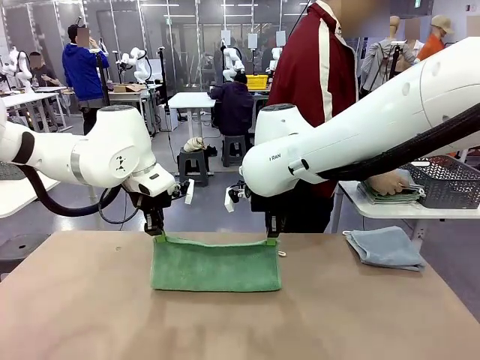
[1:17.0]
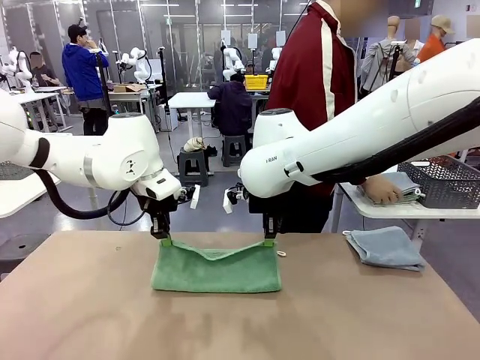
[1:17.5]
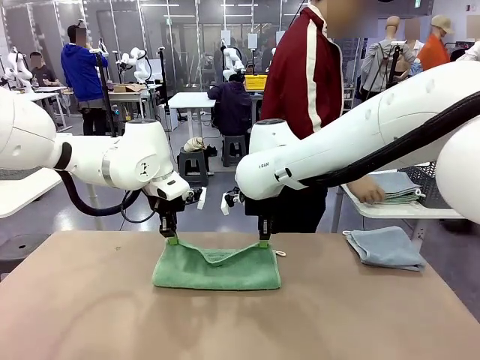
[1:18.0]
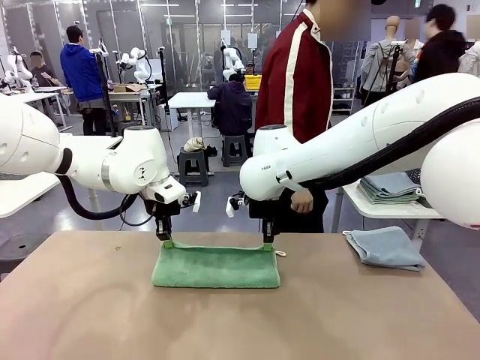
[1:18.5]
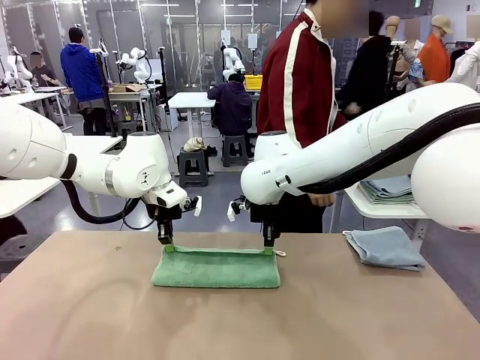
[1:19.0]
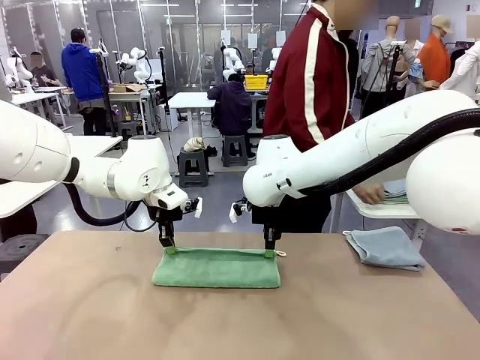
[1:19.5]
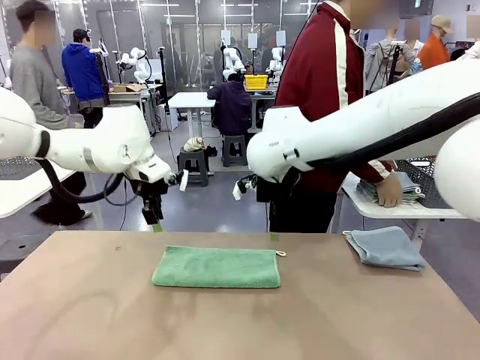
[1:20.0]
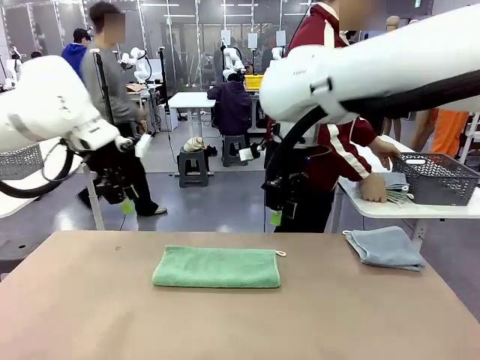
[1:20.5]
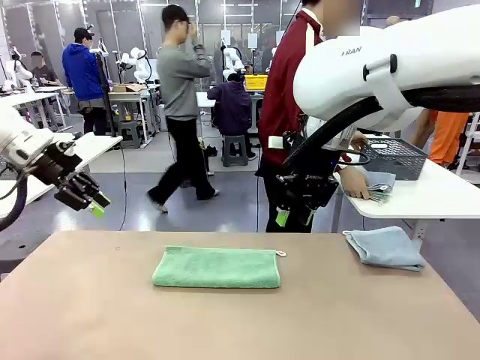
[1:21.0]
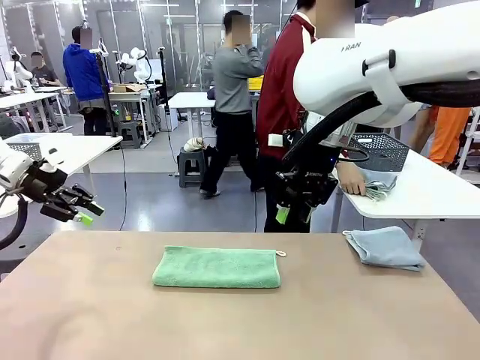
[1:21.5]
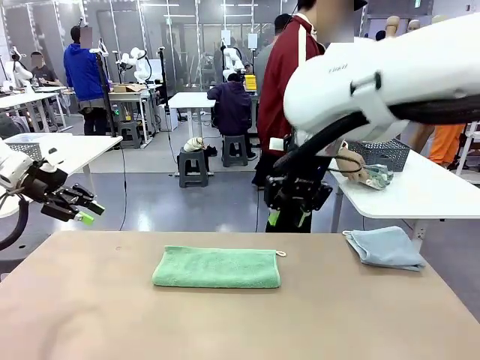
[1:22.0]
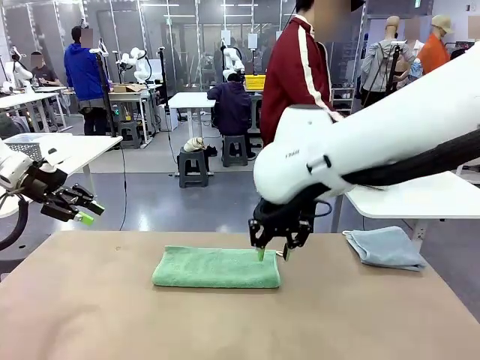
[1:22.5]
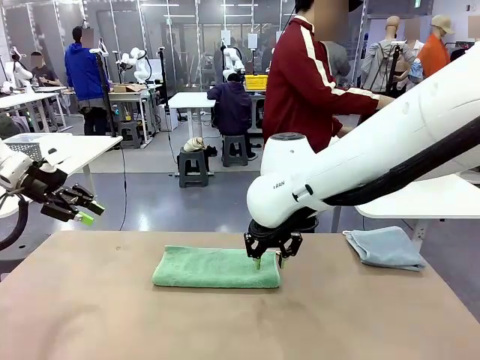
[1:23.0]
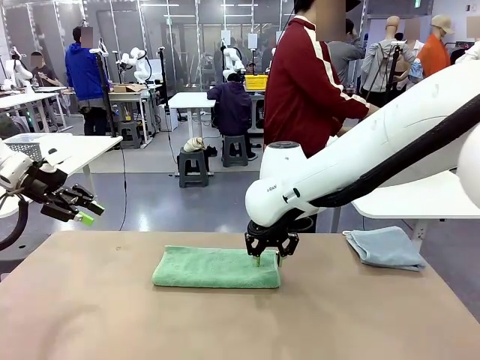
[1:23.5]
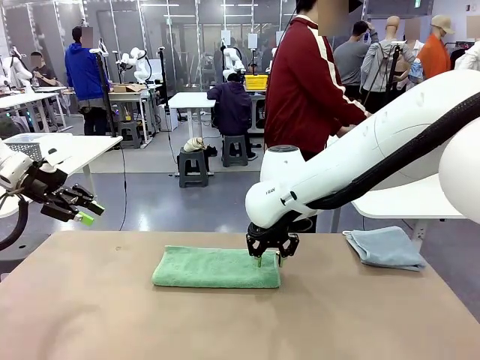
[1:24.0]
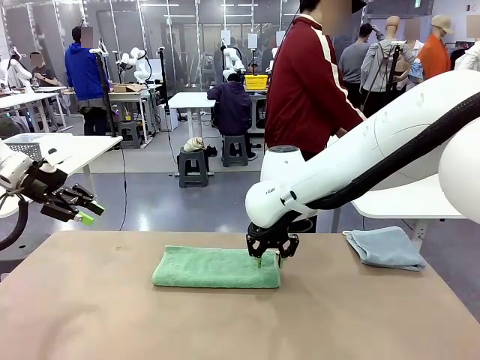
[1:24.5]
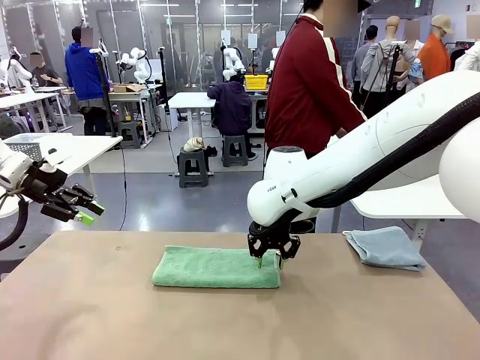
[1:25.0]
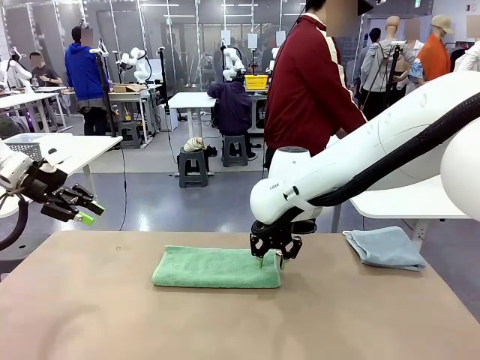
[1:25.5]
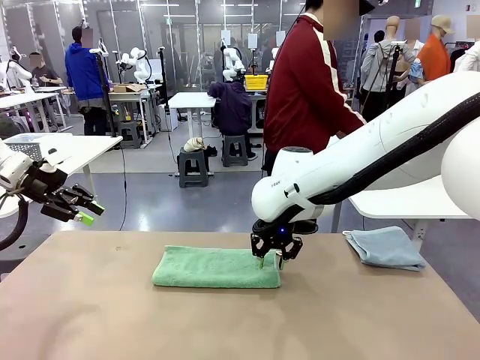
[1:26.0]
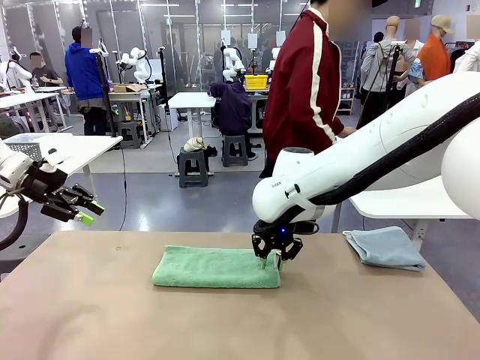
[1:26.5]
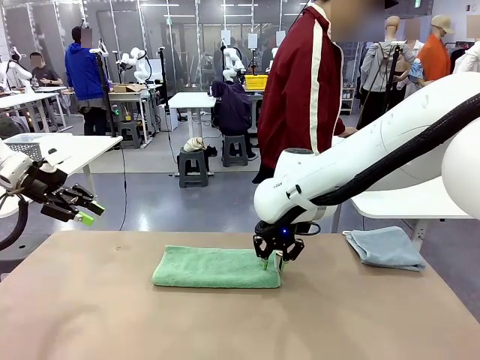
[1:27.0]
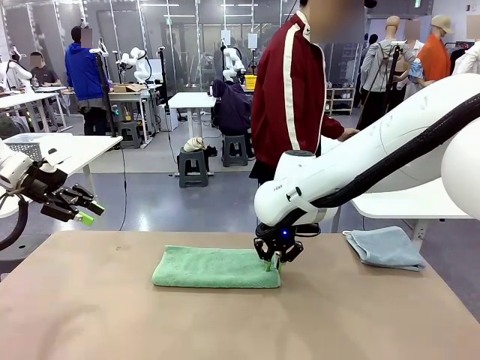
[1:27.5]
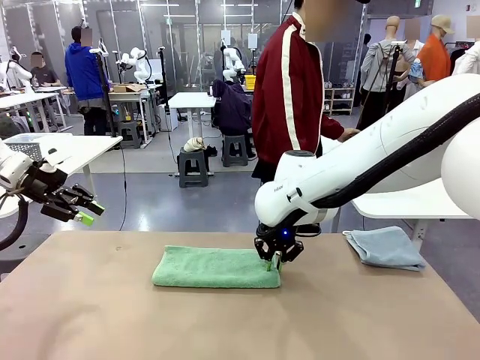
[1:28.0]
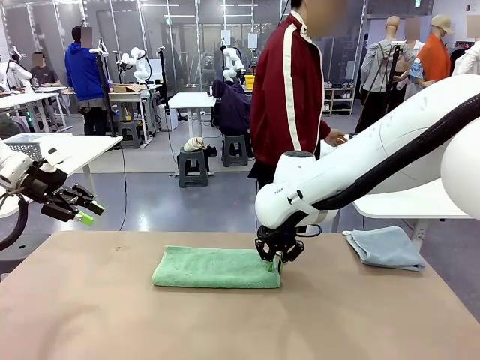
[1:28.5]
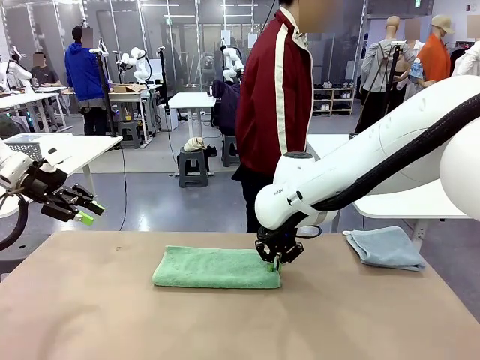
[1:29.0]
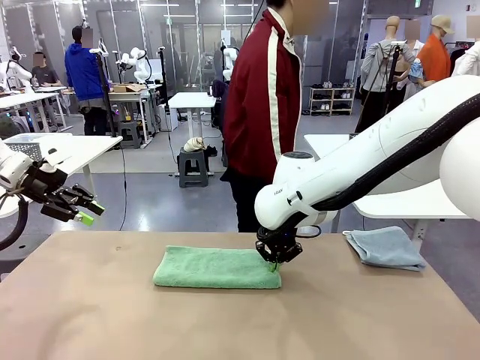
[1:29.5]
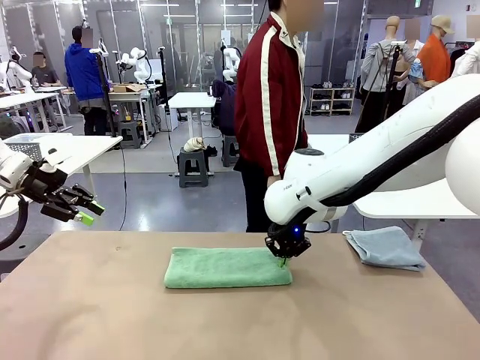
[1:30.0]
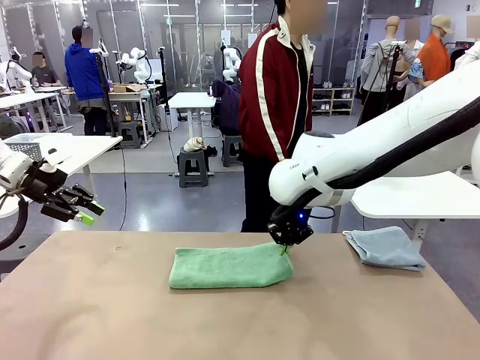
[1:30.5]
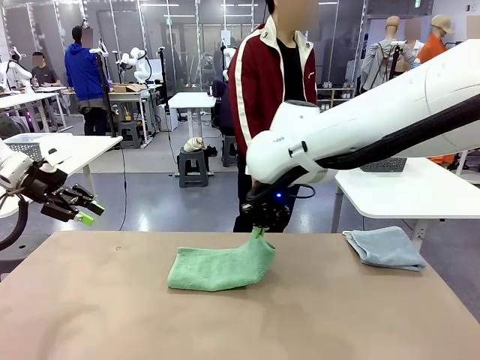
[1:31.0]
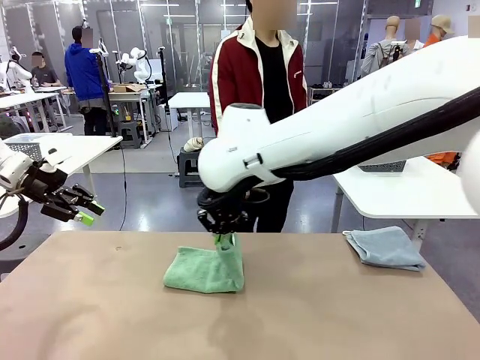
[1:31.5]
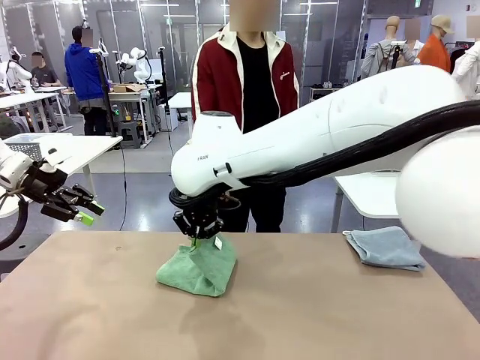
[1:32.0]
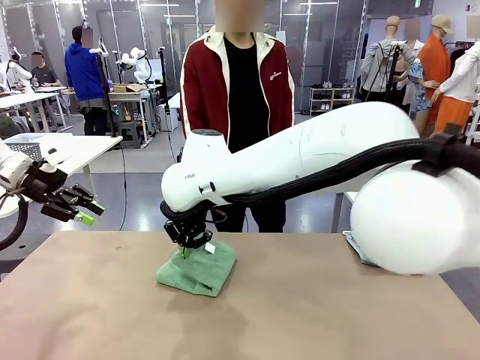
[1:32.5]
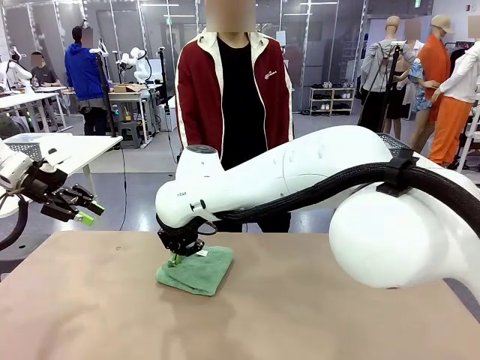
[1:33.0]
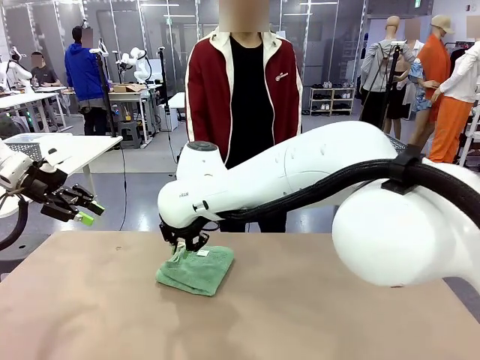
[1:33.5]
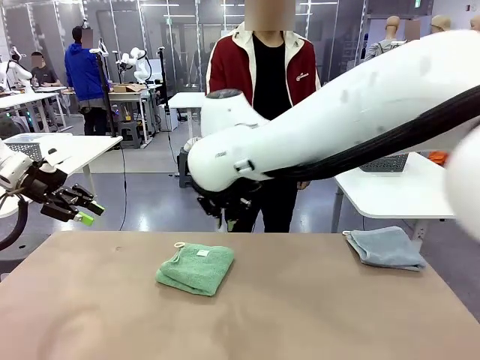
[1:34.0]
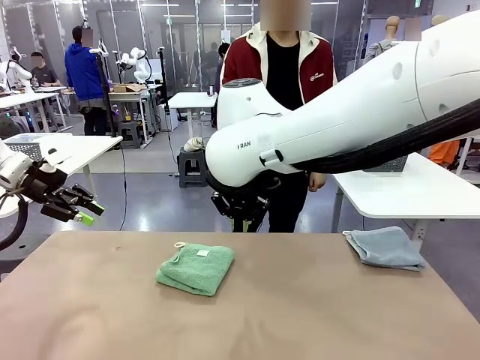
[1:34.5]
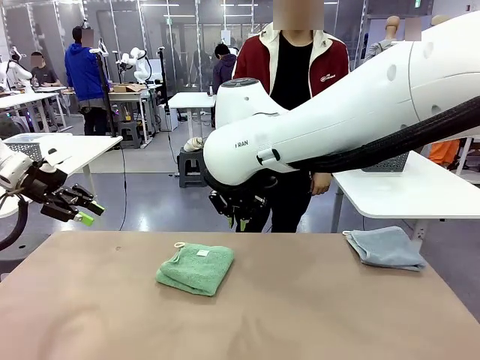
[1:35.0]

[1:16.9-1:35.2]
Task: Fold the towels and place them in the basket.
Robot: When a person lays out a Towel with hook on the table, fold it in half twice.
Person: Pick up the stack of towels from the right side of the human table, place it into the basket, and put the basket at the center of the table.
